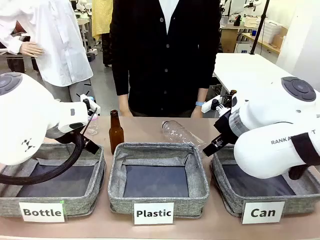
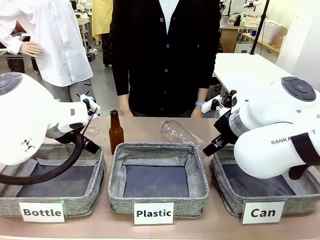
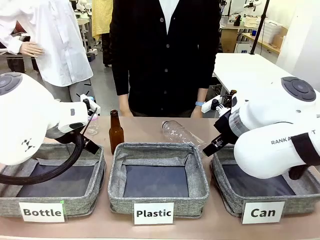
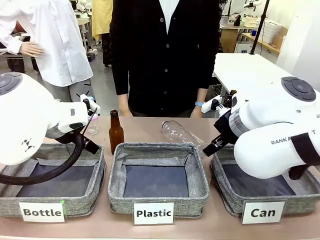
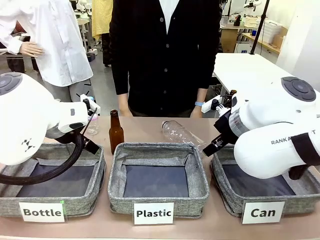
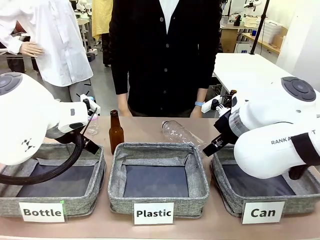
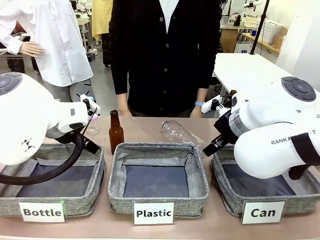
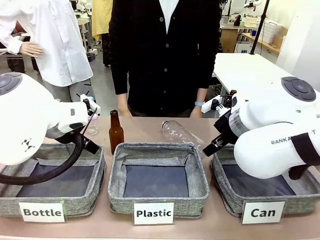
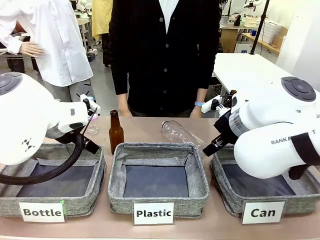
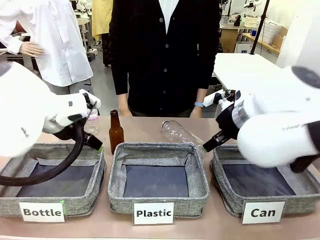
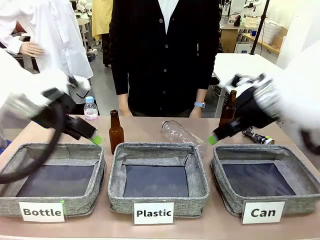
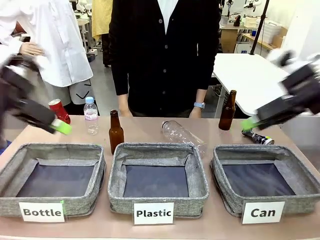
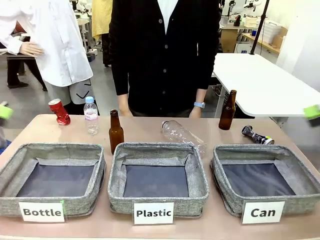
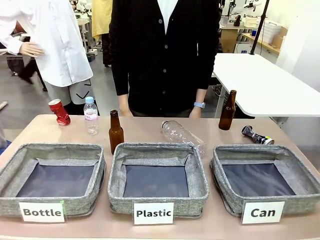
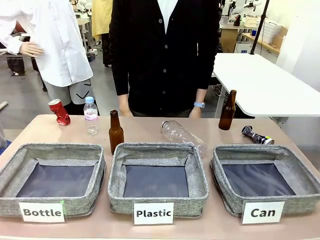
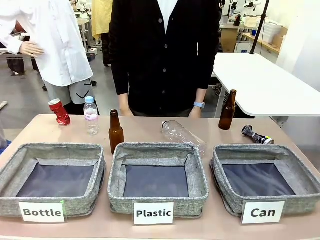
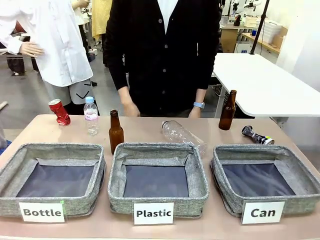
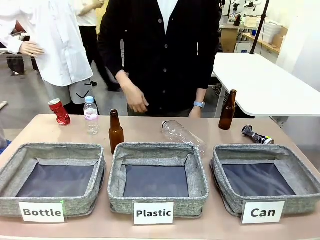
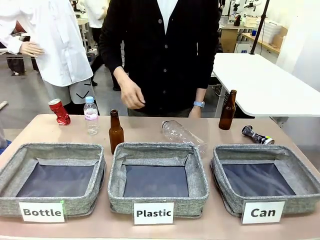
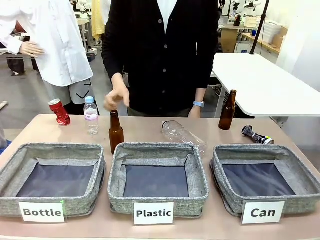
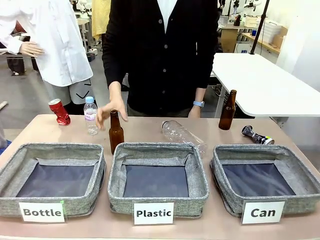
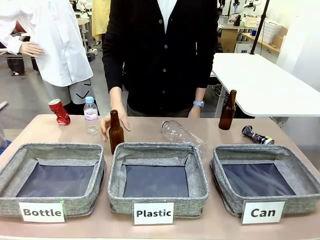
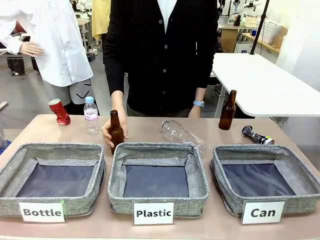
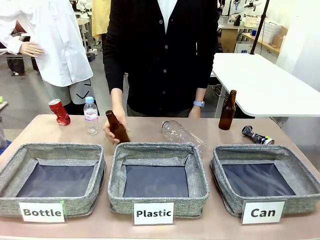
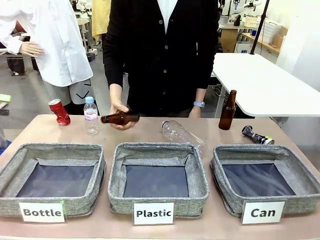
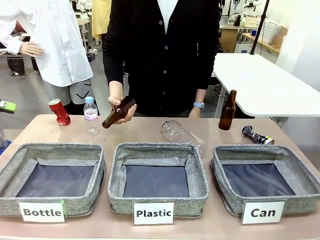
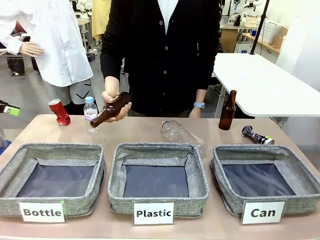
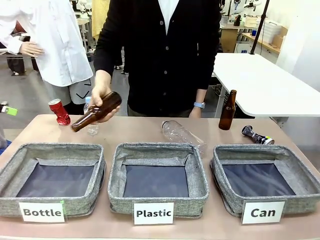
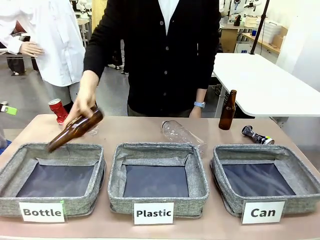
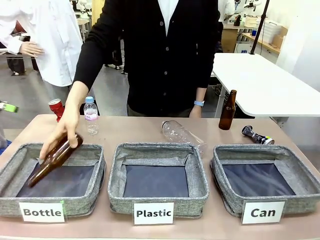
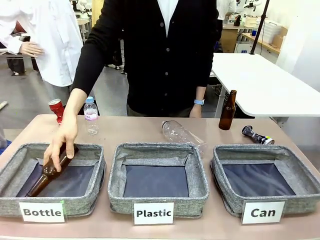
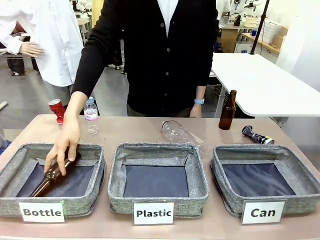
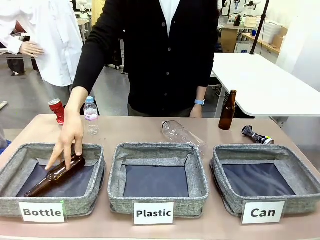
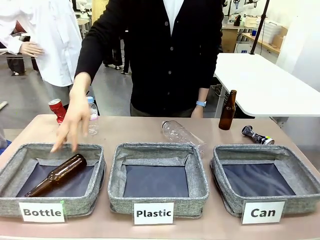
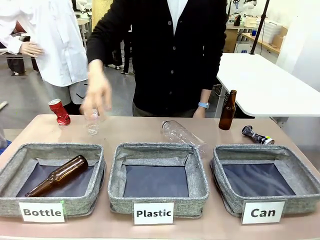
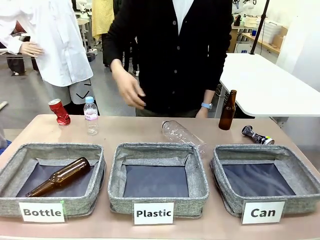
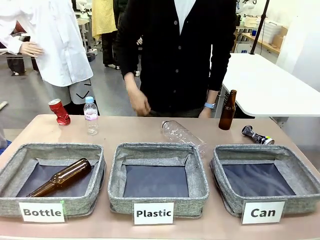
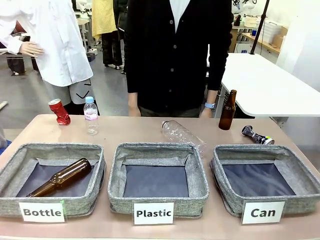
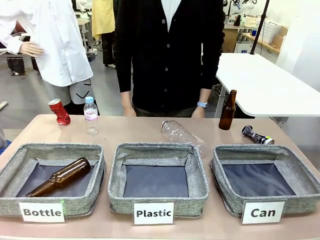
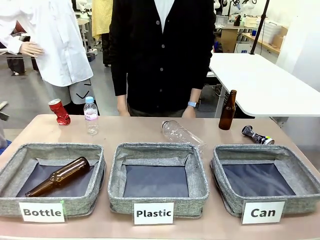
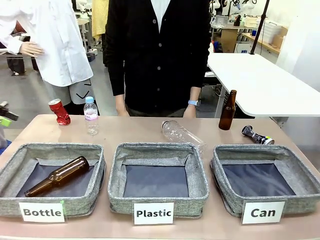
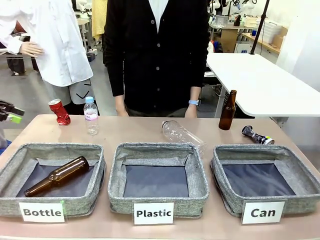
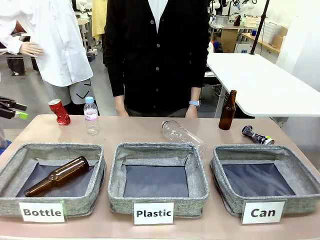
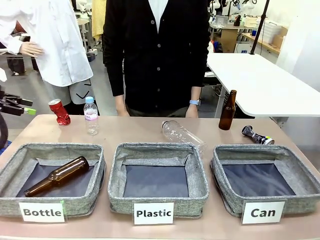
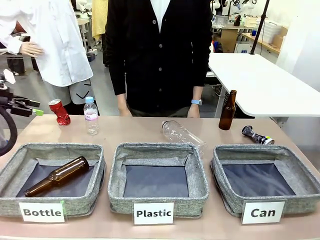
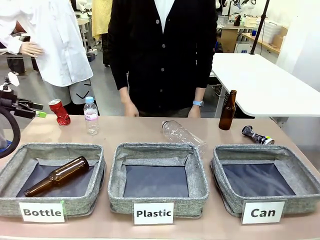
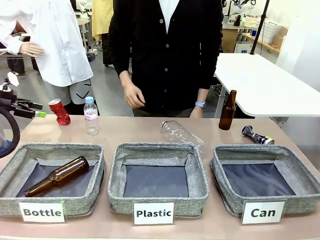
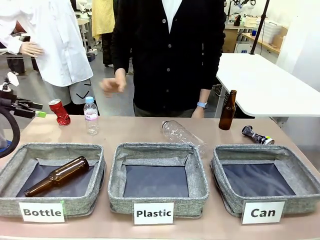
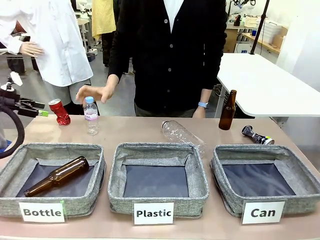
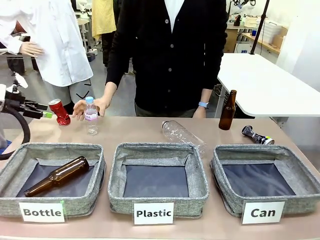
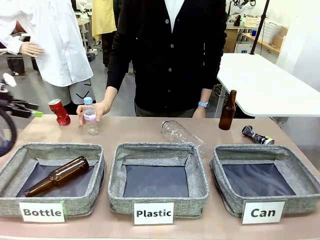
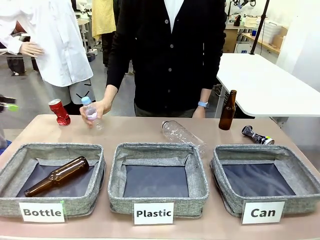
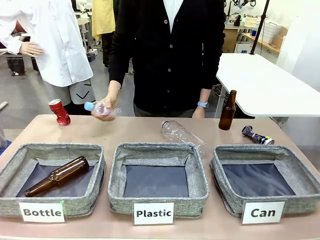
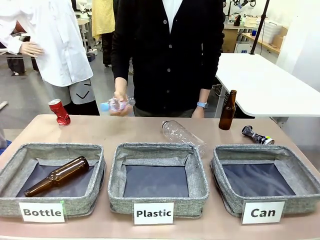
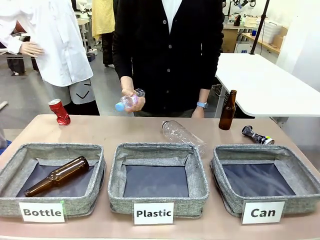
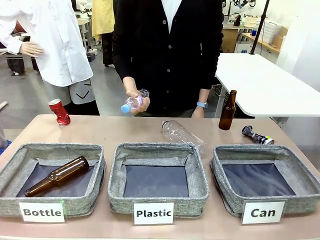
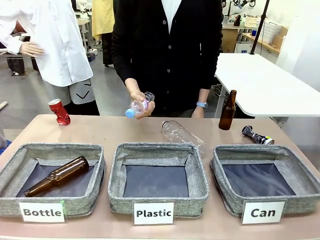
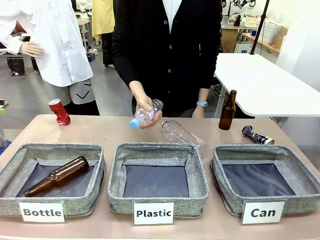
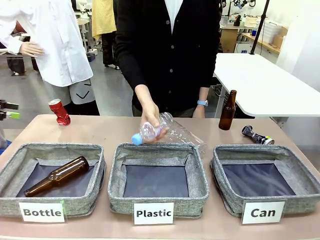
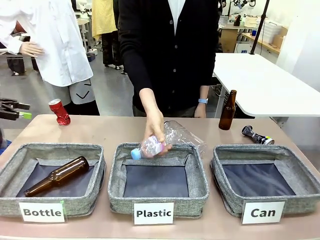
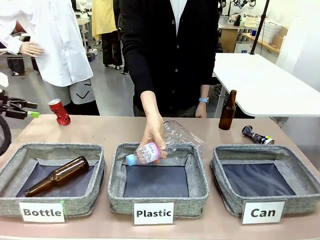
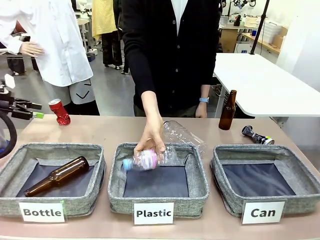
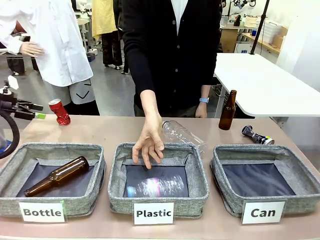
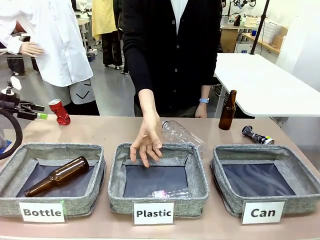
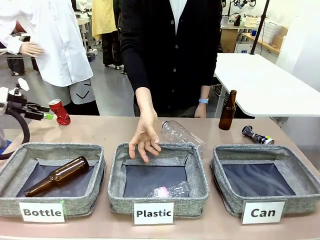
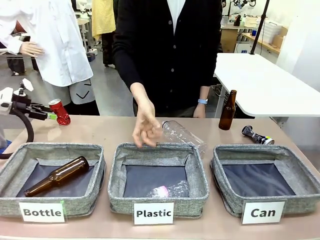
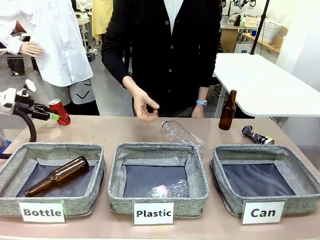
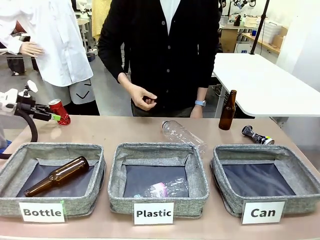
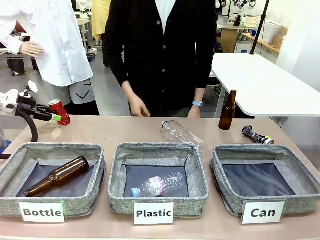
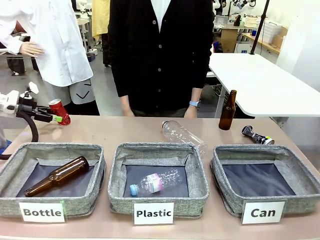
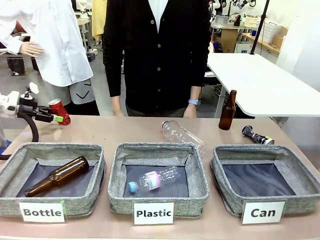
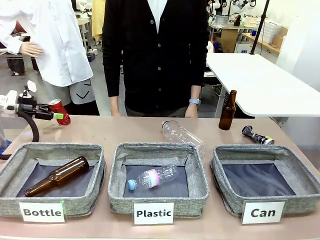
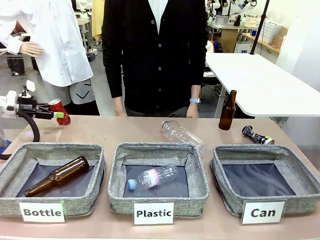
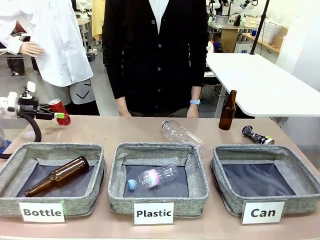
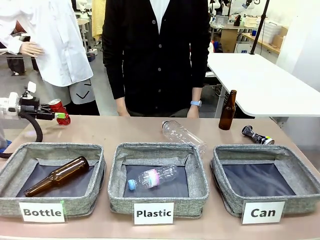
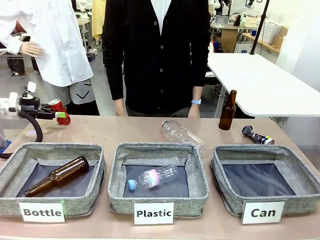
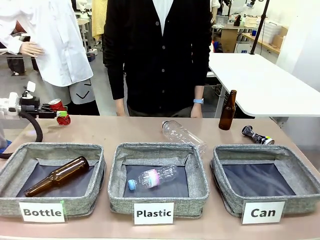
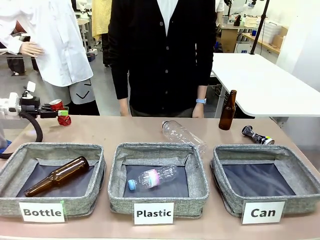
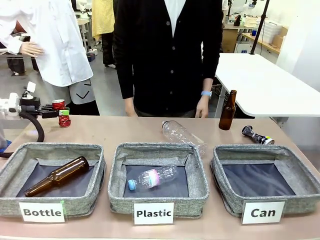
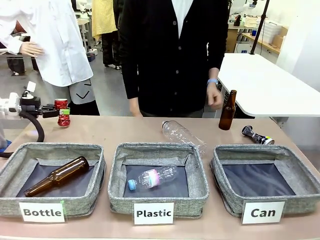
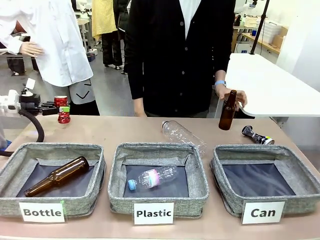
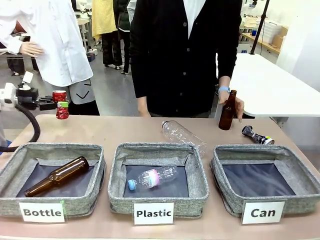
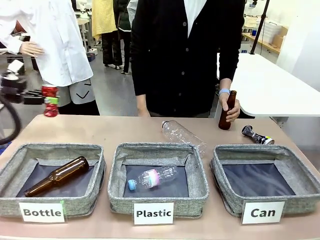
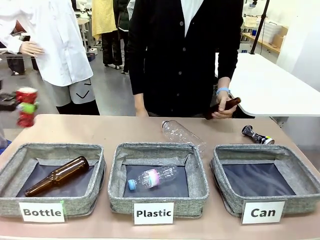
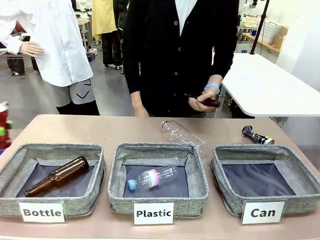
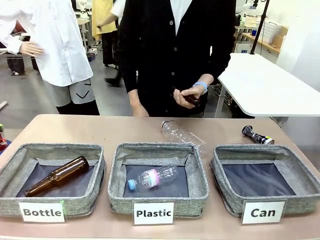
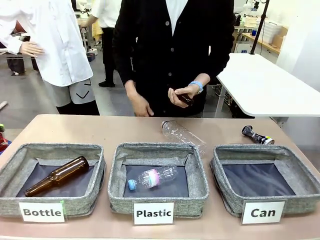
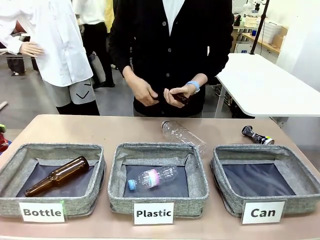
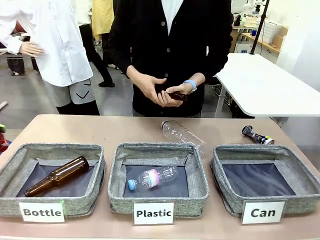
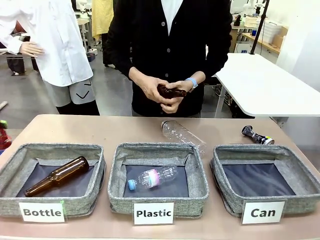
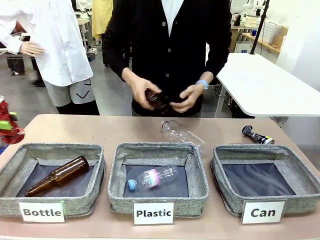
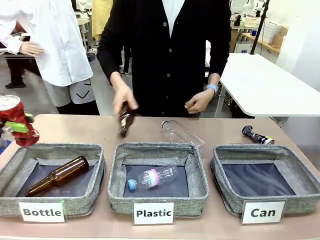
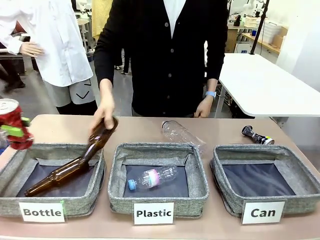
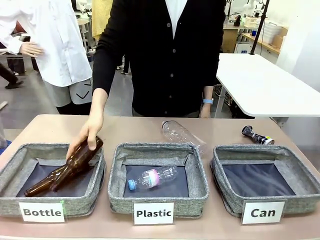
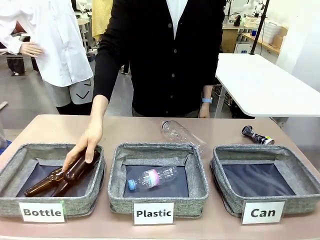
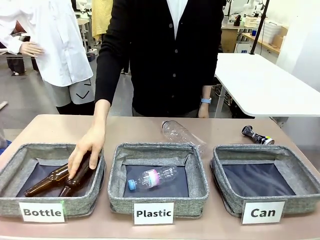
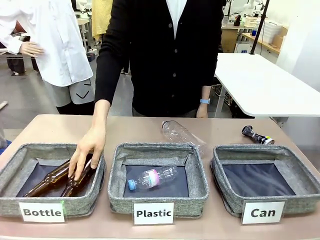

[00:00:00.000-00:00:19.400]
Task: Sort the can waste into the basket.
Robot: Pick up the can waste from the table and place it in the right Fabric basket.
